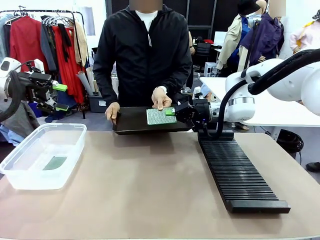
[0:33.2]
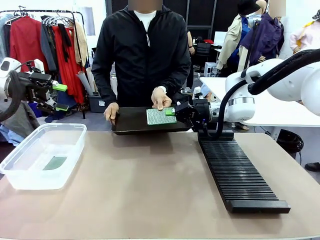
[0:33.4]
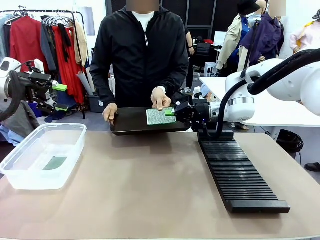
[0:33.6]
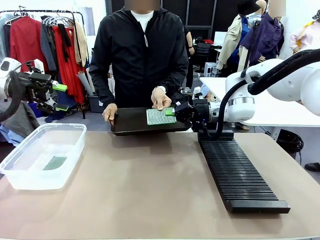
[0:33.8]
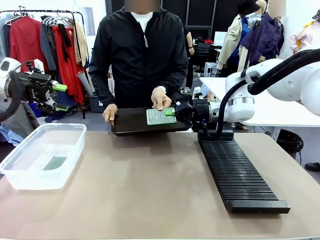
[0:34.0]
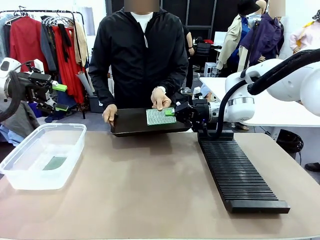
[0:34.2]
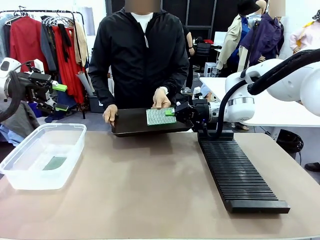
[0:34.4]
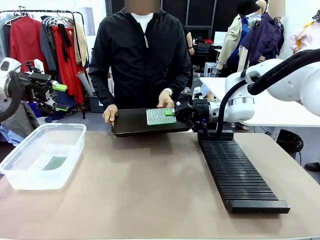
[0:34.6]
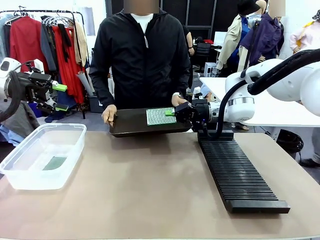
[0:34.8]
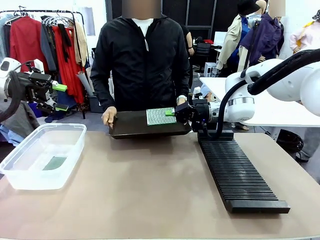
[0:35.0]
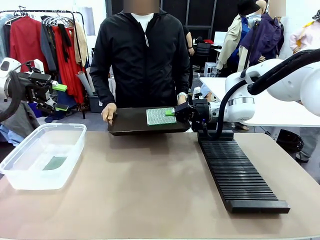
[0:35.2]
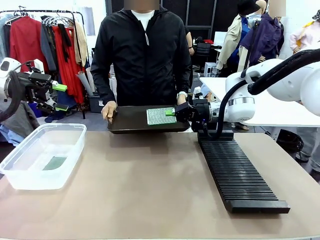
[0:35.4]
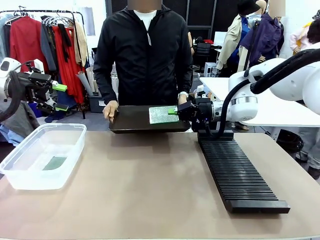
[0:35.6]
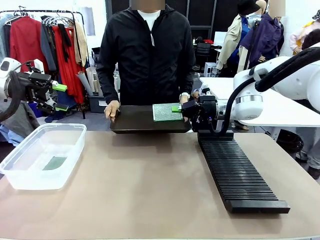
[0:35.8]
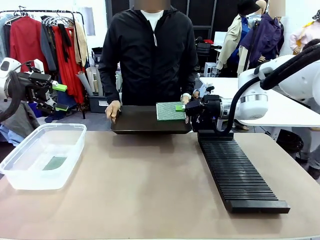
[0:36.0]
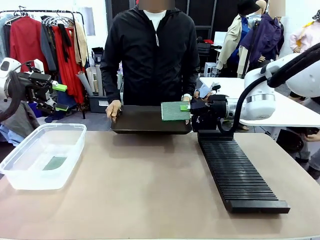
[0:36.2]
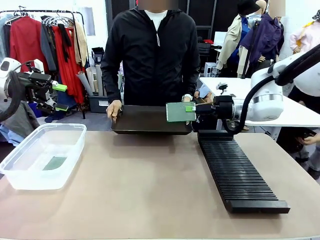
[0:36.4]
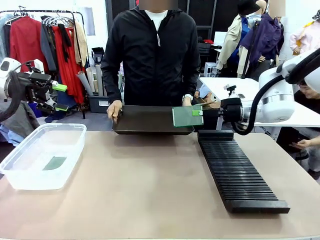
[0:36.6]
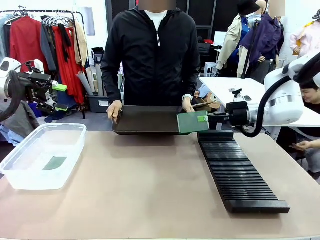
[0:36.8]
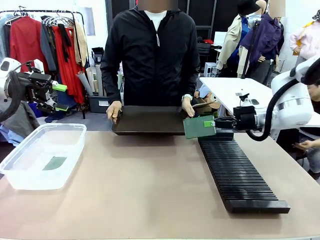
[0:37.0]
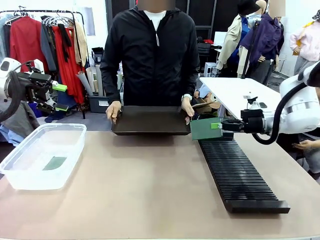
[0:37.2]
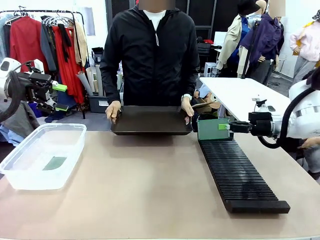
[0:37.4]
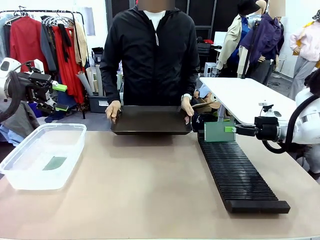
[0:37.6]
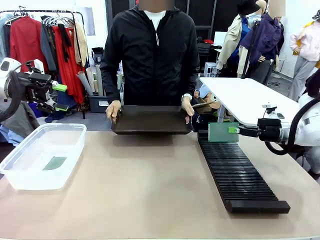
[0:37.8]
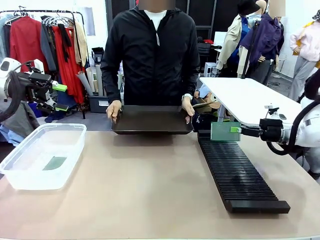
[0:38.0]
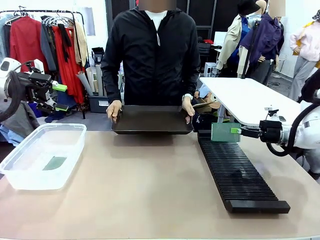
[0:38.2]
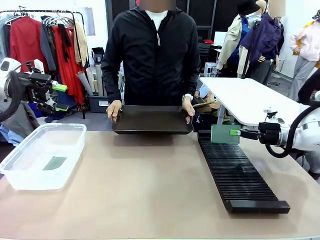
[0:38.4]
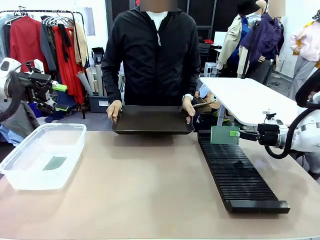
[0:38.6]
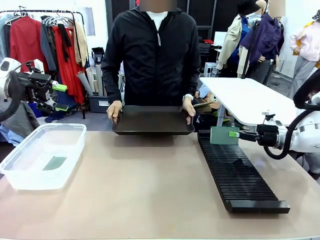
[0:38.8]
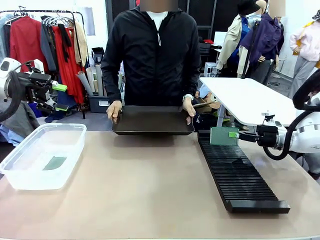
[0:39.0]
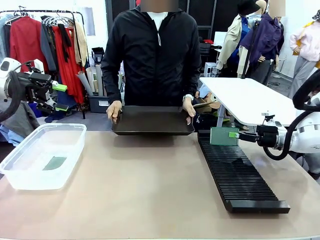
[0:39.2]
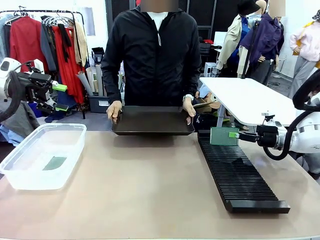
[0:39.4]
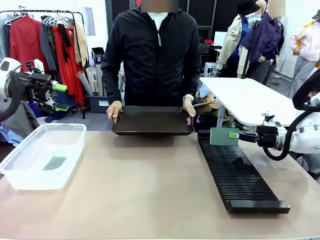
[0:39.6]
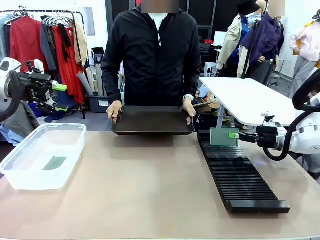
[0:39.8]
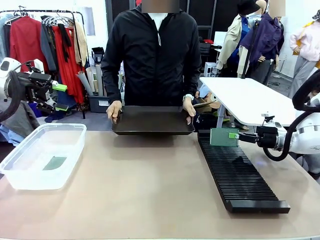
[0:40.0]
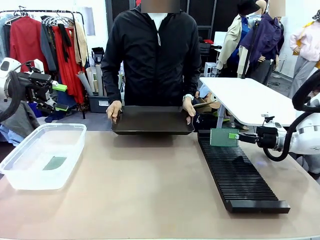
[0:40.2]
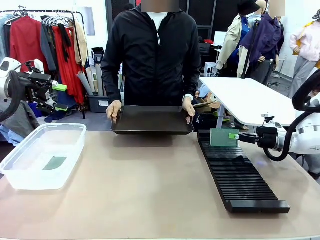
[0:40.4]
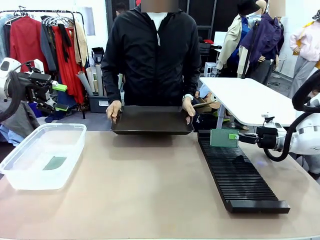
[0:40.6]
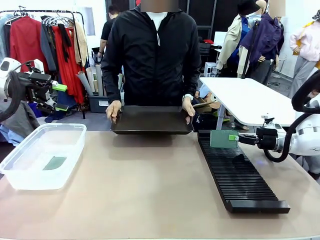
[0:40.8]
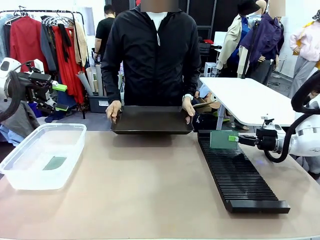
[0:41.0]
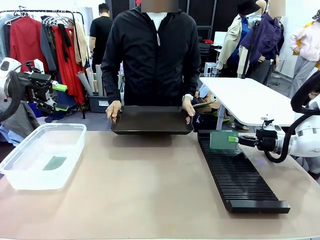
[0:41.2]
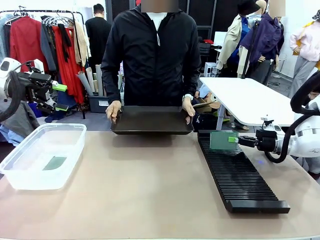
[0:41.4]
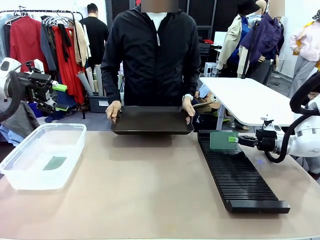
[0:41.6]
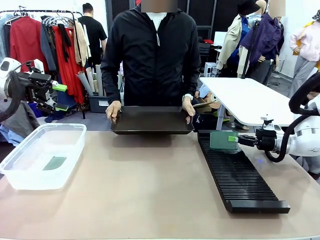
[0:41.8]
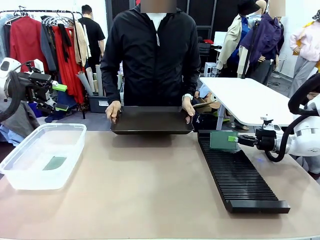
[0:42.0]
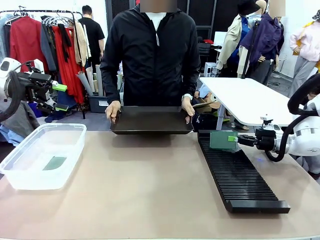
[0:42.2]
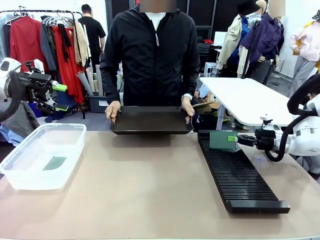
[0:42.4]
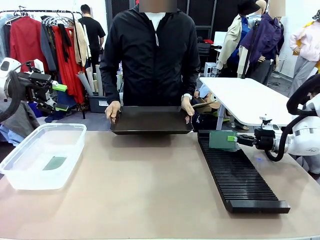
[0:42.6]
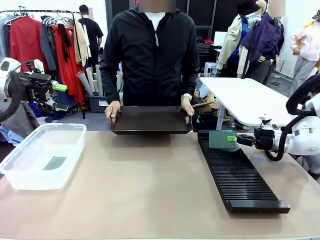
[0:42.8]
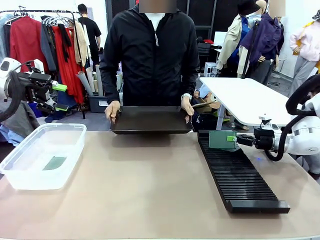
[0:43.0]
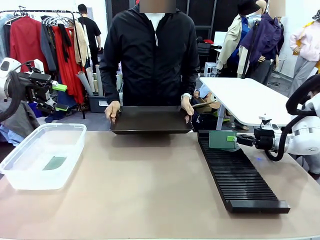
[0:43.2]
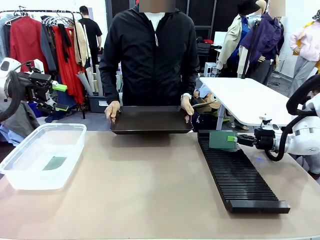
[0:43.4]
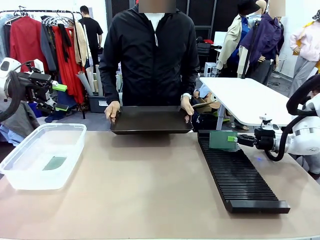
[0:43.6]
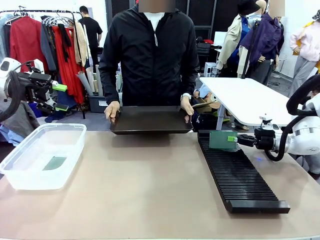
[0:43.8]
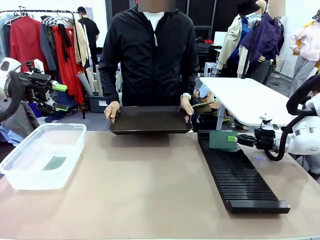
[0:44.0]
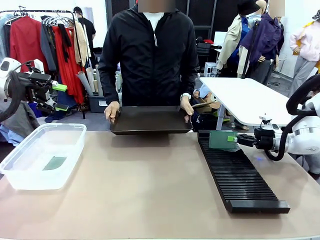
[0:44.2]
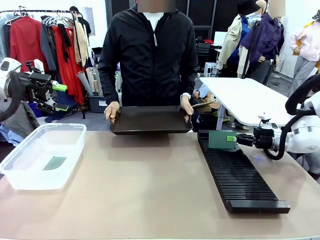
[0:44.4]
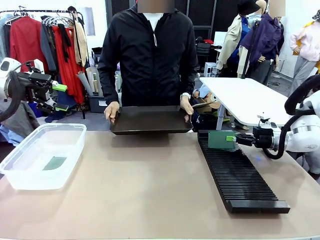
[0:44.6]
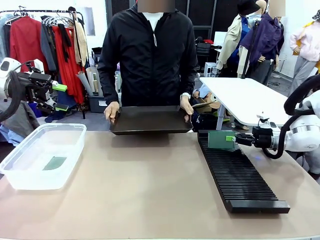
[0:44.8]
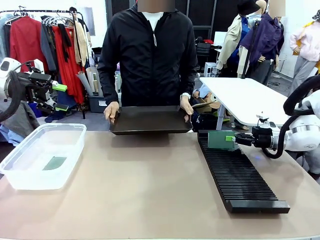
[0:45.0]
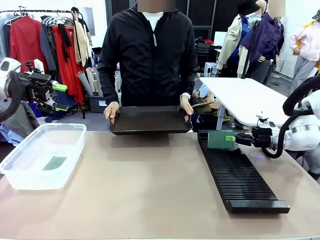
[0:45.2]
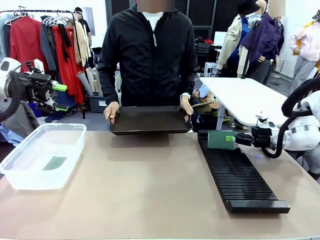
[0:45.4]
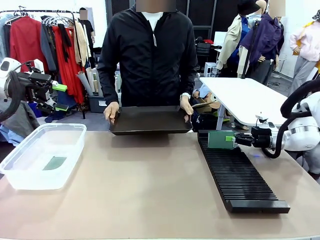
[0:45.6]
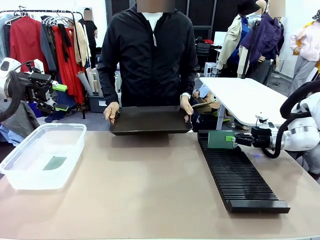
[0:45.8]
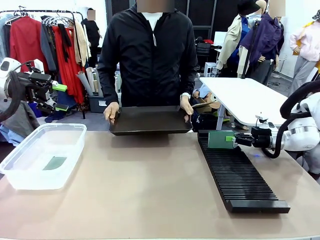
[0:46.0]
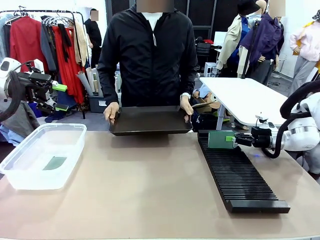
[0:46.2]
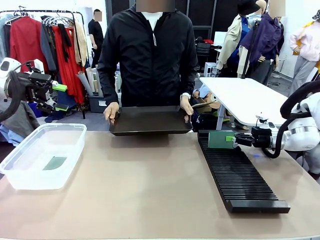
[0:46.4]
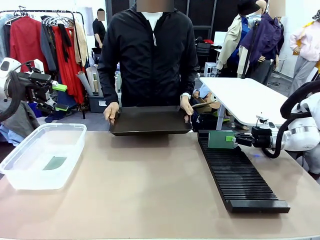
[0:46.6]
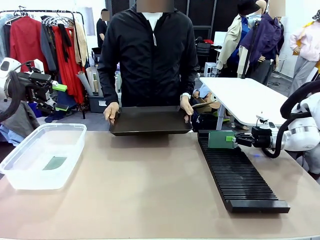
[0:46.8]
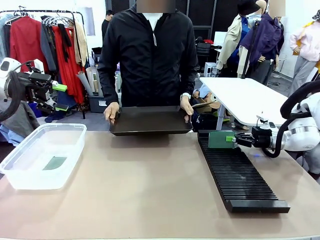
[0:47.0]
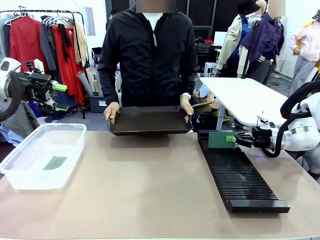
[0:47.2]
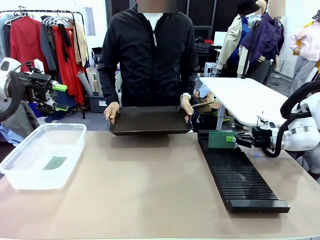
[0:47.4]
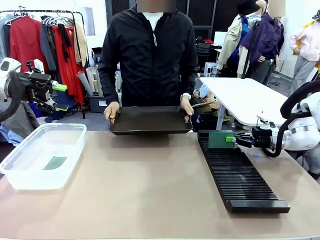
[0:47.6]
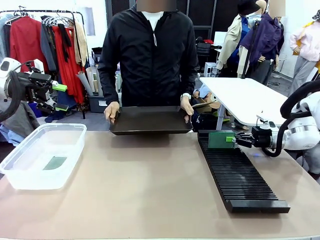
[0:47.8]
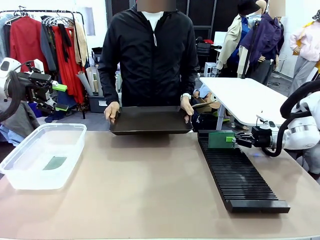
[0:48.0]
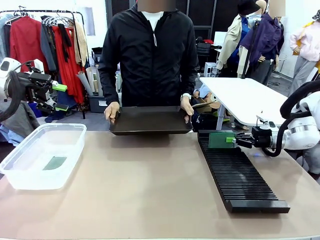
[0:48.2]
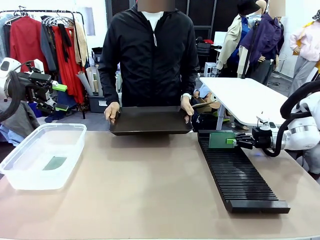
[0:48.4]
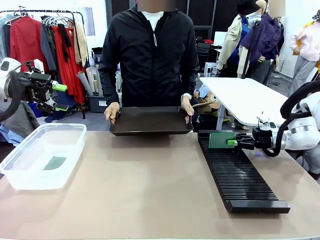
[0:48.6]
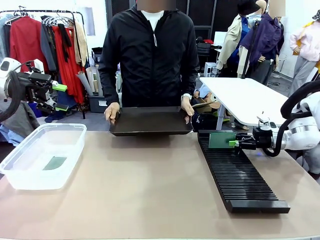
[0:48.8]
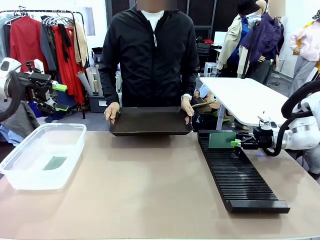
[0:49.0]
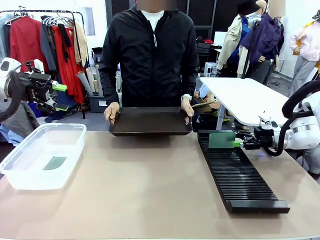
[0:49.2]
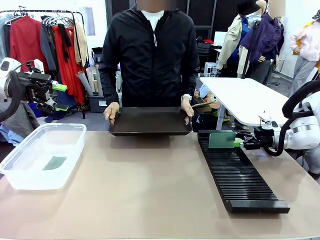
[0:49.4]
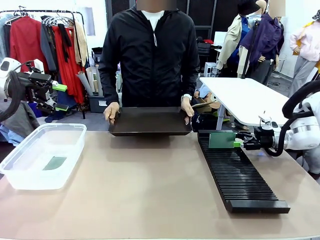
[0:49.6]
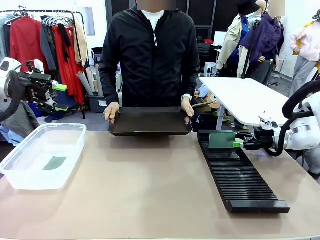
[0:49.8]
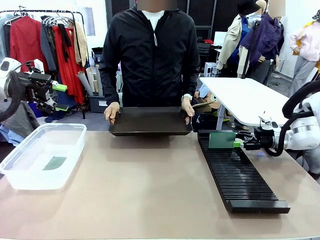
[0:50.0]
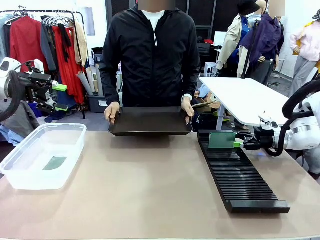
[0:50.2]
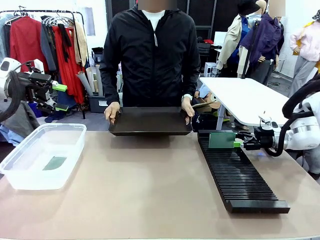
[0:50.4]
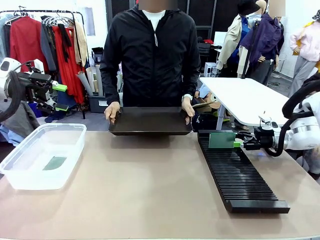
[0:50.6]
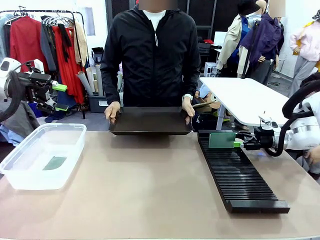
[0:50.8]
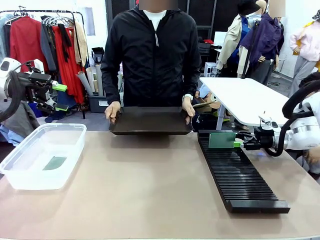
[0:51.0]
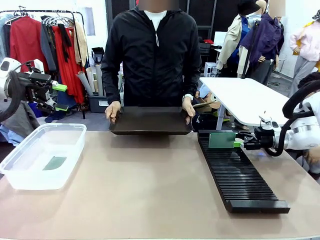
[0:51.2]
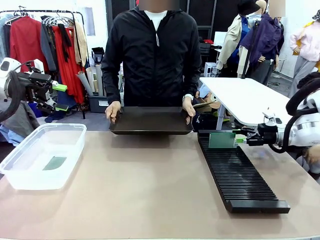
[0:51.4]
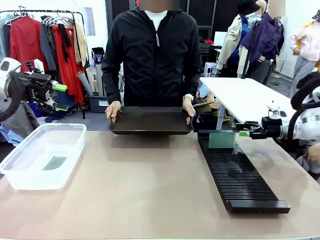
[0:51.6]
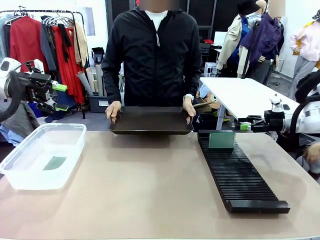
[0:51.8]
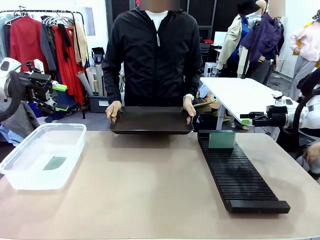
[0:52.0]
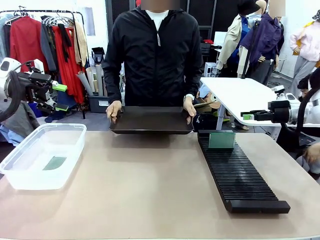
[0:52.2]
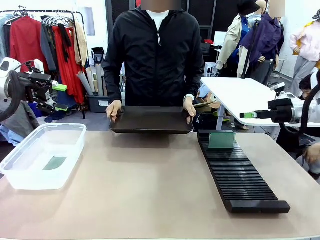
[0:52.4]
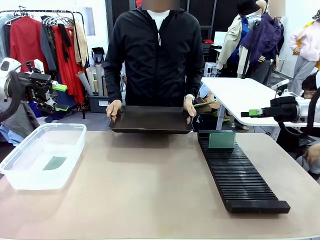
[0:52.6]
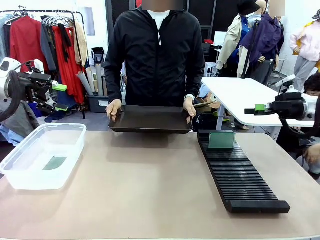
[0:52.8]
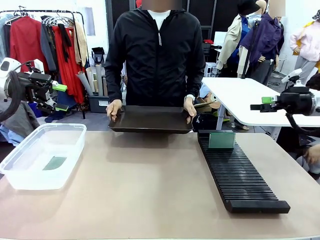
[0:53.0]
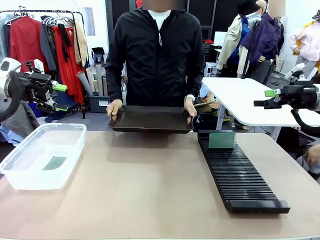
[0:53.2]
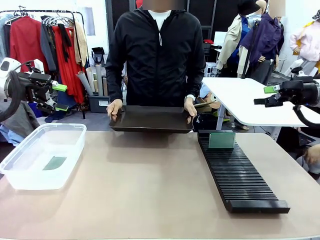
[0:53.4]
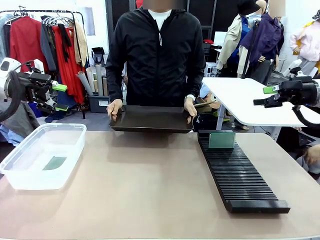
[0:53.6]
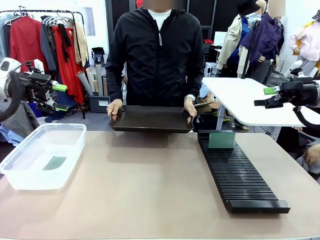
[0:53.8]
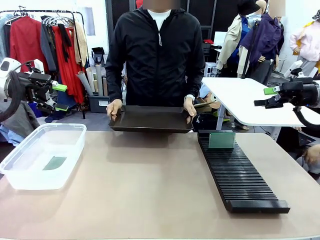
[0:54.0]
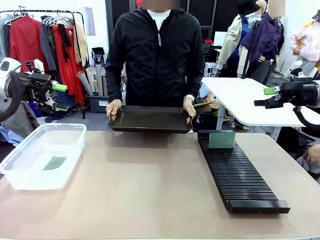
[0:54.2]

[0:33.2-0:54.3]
Task: Sort PCBs into racks and boxes based on the side picked up.
Robot: If the short side of the Blank PCB is picked up, insert it into the PCB Rack ; if the long side is picked up, place it in the Organizing box.
Person: Release the PCB being held.
